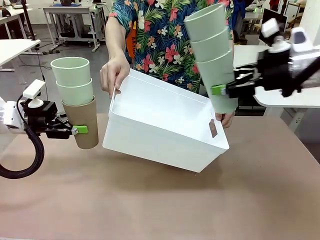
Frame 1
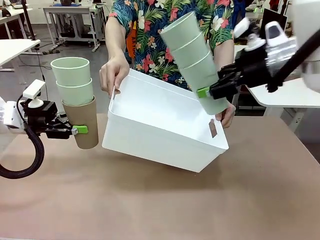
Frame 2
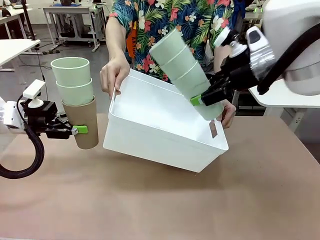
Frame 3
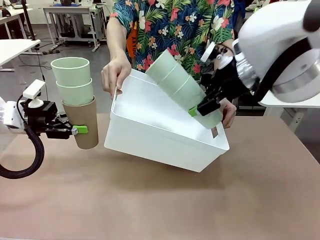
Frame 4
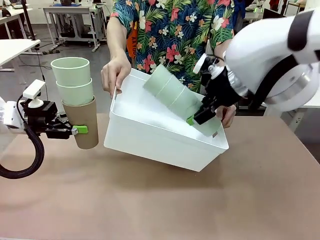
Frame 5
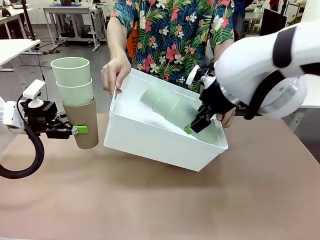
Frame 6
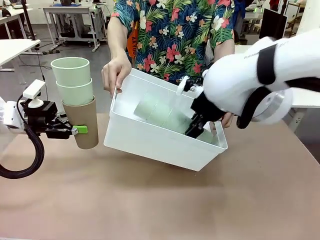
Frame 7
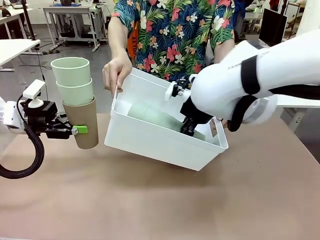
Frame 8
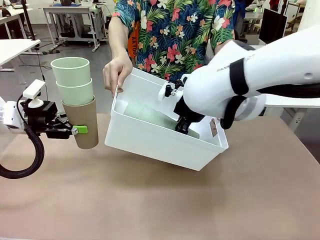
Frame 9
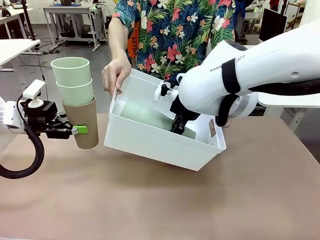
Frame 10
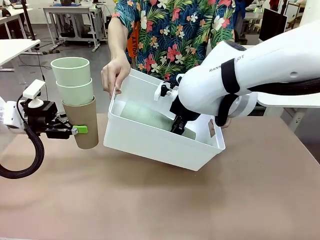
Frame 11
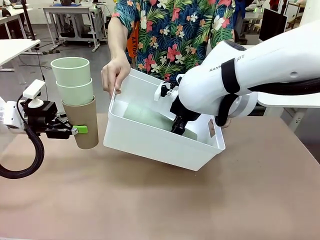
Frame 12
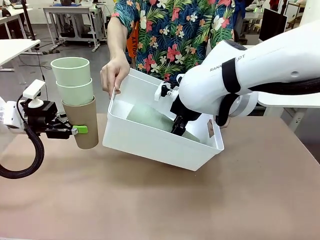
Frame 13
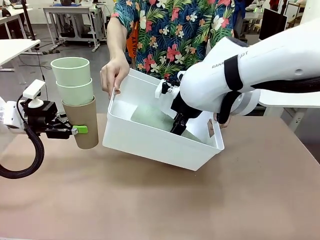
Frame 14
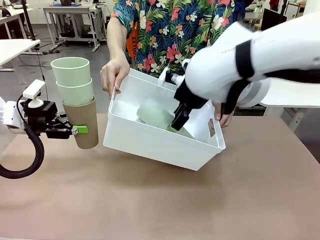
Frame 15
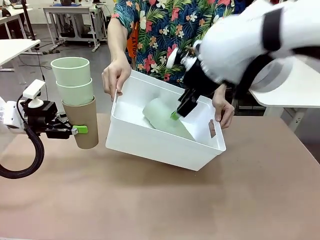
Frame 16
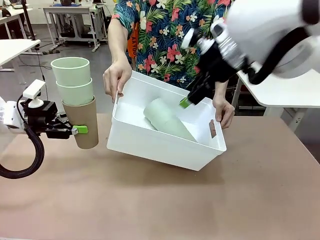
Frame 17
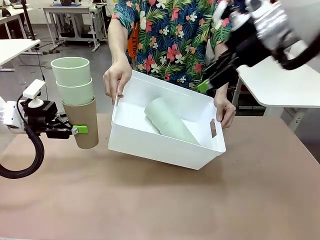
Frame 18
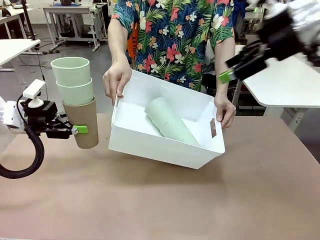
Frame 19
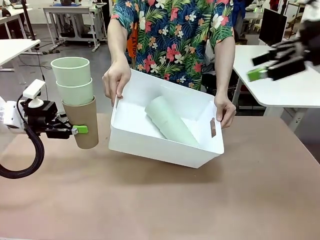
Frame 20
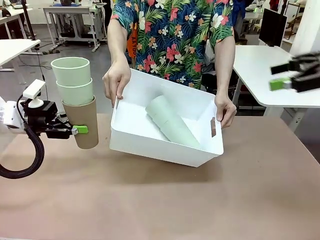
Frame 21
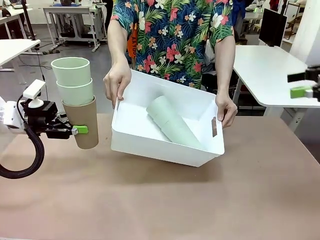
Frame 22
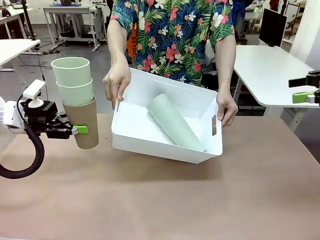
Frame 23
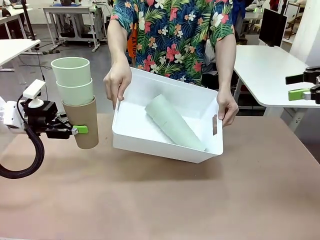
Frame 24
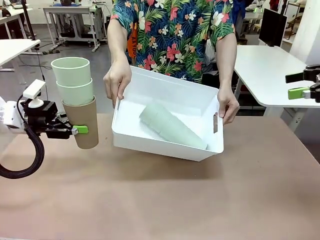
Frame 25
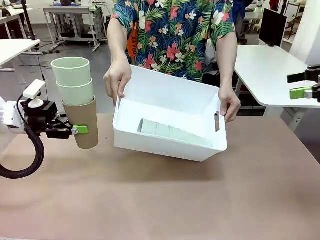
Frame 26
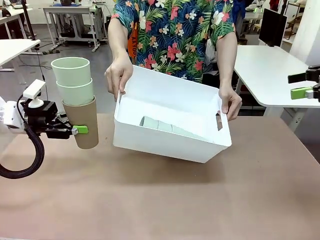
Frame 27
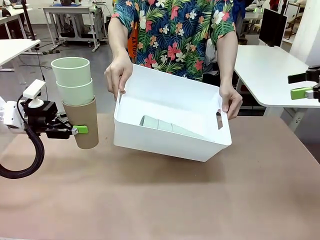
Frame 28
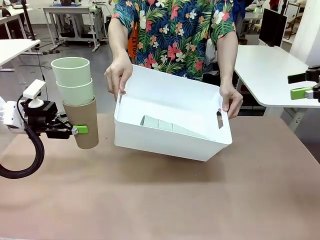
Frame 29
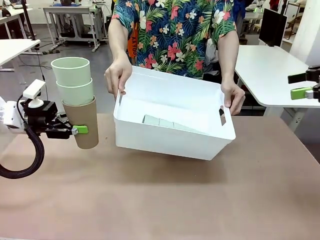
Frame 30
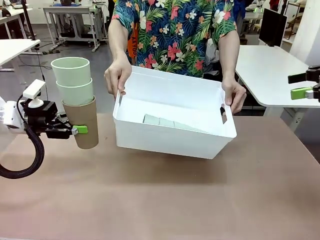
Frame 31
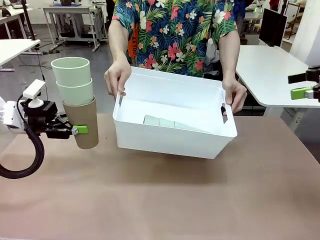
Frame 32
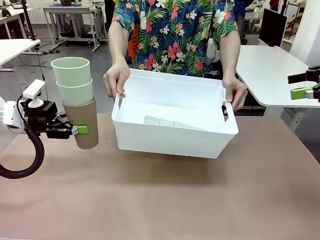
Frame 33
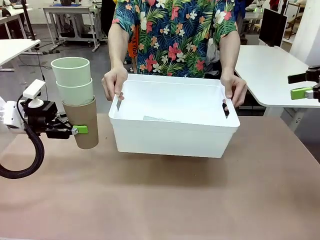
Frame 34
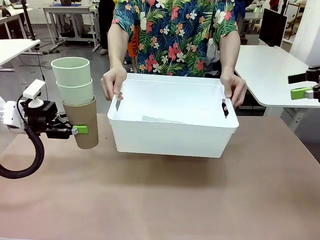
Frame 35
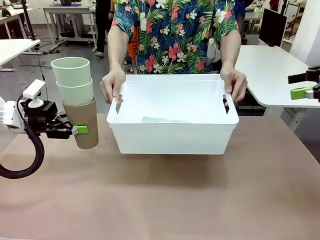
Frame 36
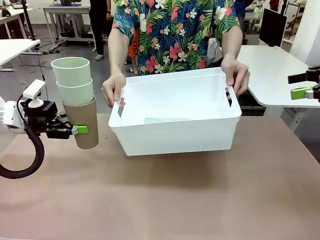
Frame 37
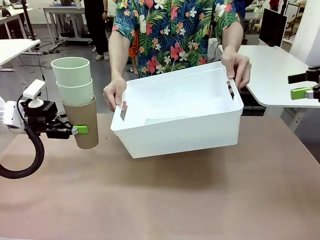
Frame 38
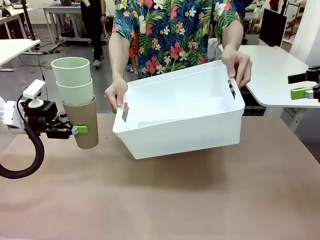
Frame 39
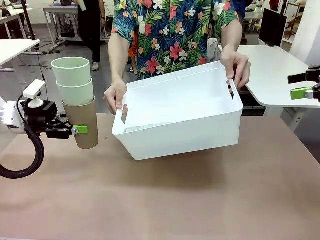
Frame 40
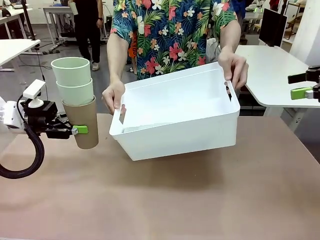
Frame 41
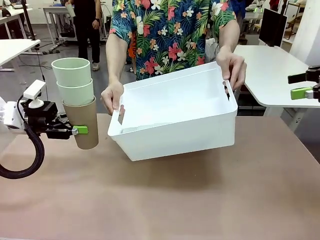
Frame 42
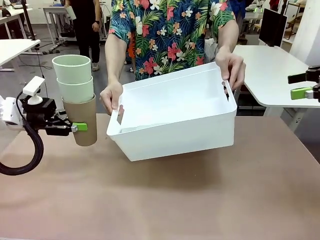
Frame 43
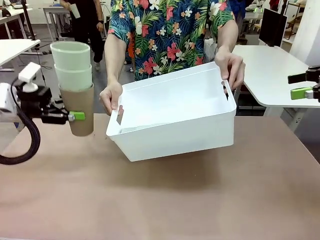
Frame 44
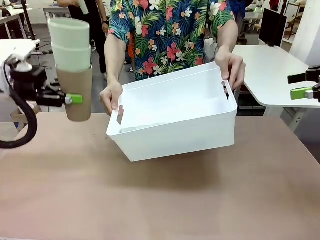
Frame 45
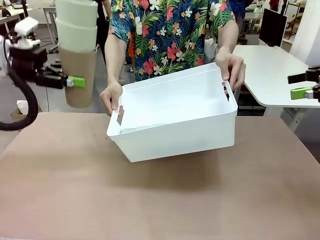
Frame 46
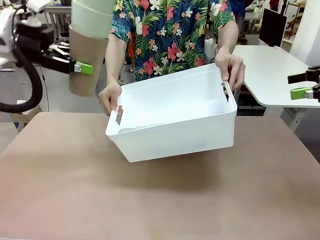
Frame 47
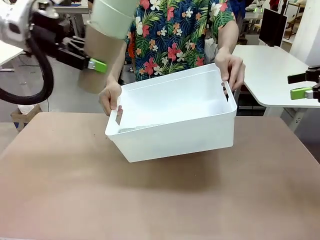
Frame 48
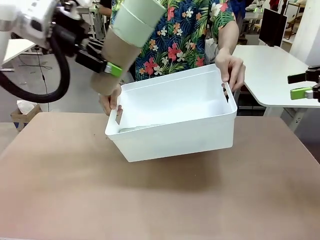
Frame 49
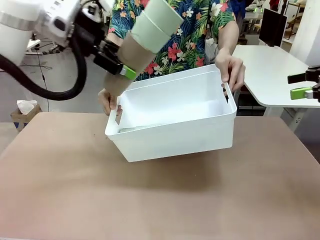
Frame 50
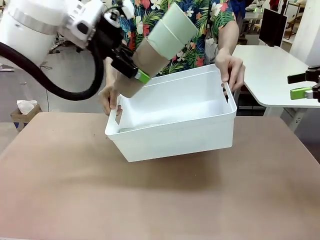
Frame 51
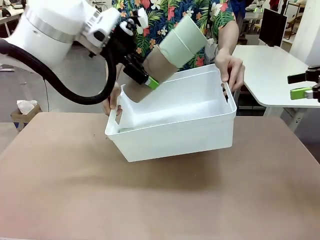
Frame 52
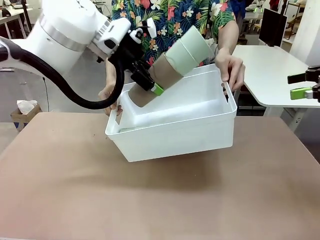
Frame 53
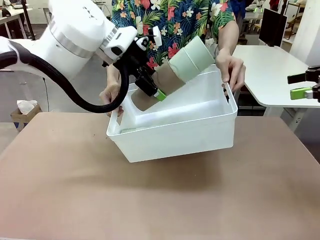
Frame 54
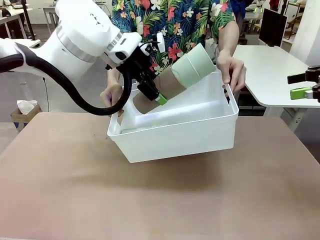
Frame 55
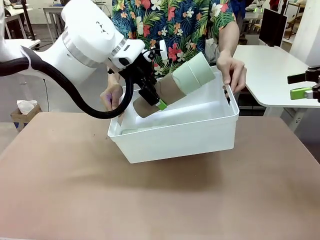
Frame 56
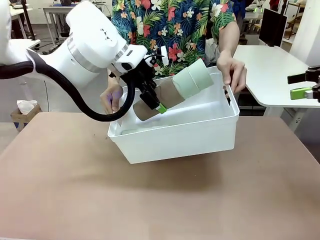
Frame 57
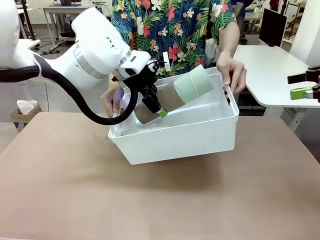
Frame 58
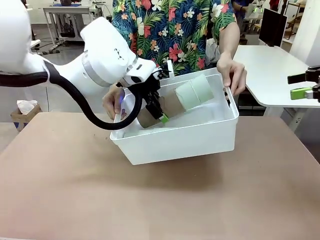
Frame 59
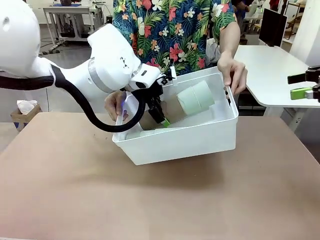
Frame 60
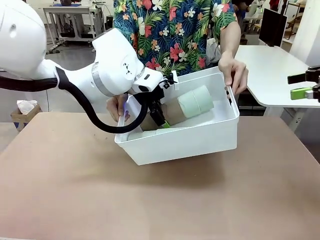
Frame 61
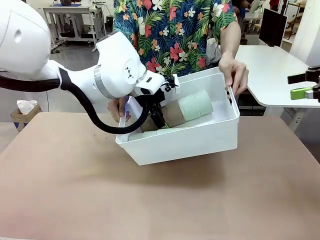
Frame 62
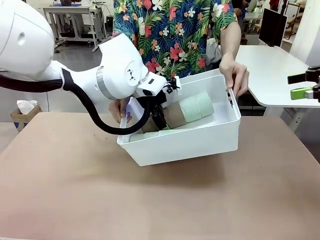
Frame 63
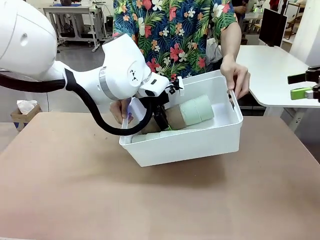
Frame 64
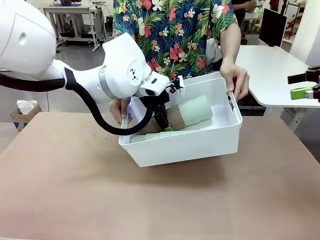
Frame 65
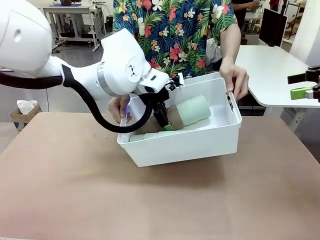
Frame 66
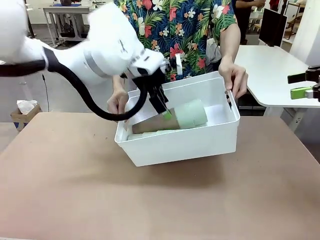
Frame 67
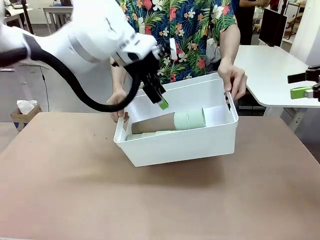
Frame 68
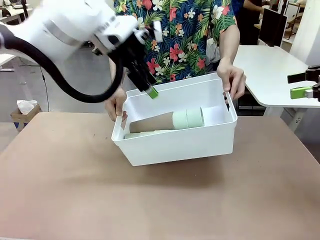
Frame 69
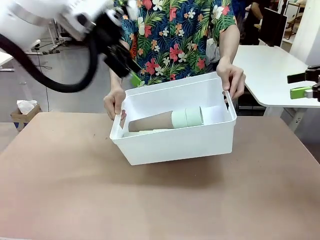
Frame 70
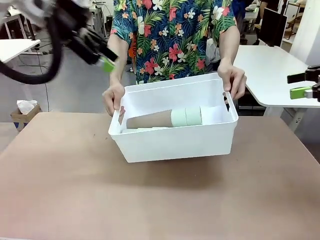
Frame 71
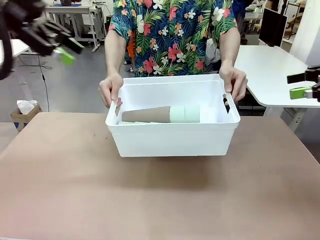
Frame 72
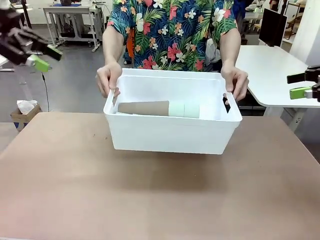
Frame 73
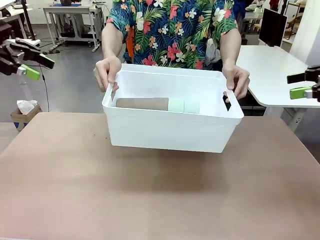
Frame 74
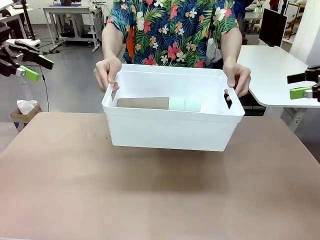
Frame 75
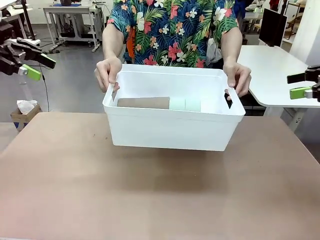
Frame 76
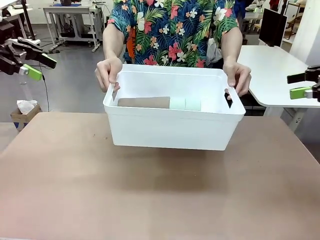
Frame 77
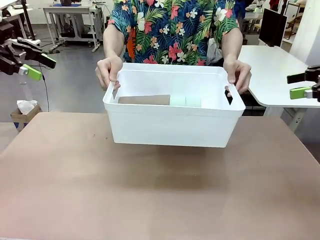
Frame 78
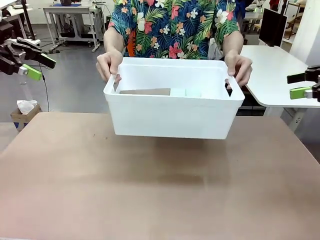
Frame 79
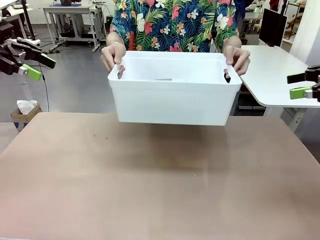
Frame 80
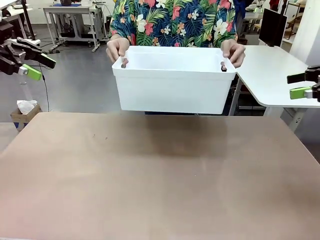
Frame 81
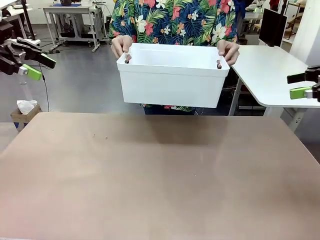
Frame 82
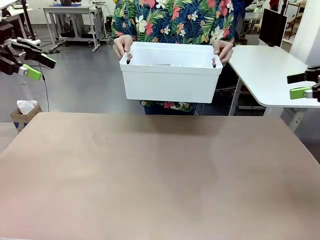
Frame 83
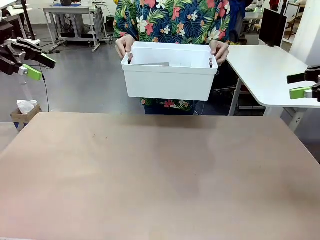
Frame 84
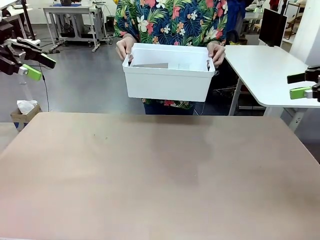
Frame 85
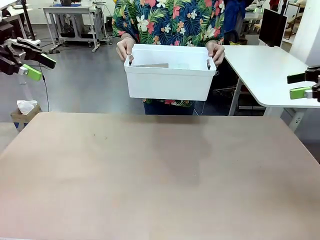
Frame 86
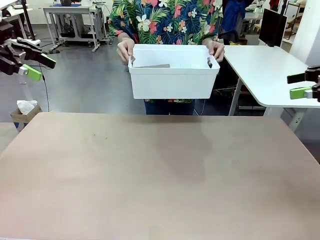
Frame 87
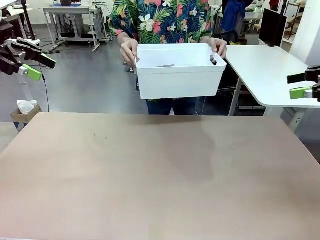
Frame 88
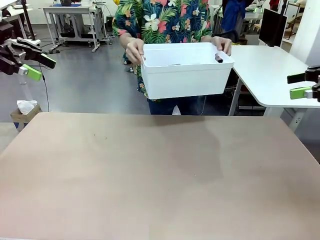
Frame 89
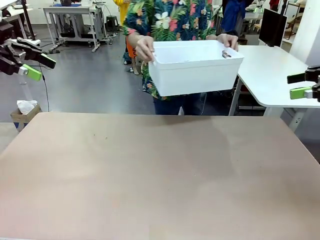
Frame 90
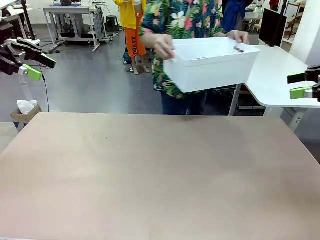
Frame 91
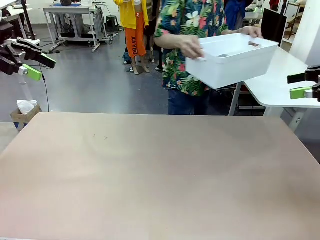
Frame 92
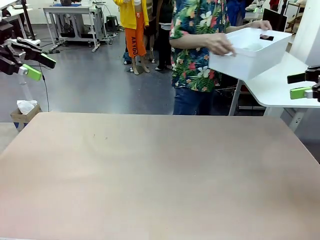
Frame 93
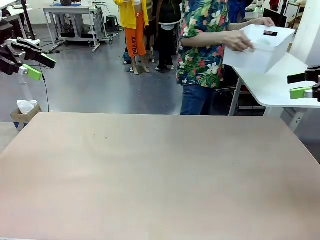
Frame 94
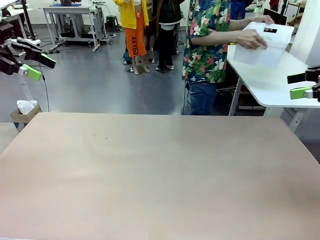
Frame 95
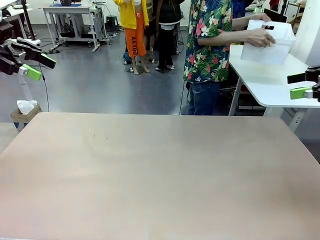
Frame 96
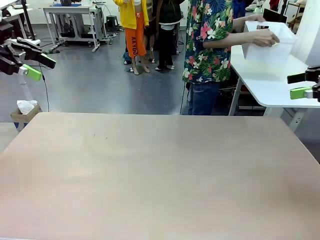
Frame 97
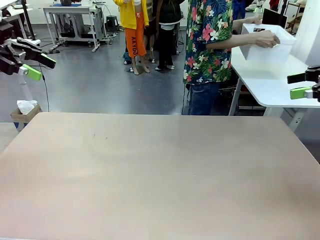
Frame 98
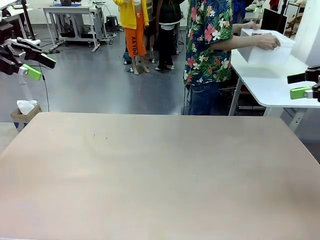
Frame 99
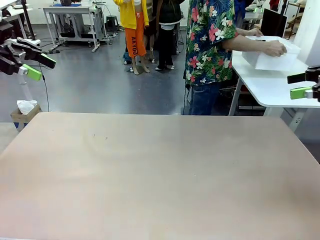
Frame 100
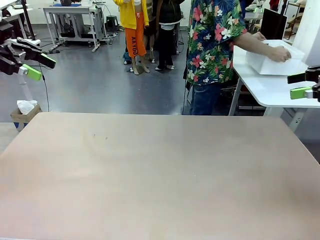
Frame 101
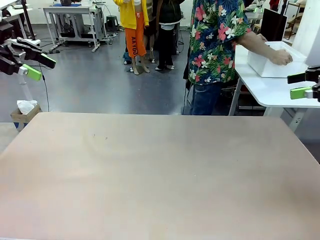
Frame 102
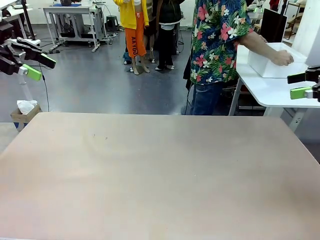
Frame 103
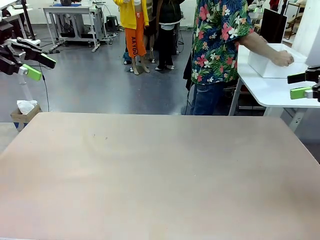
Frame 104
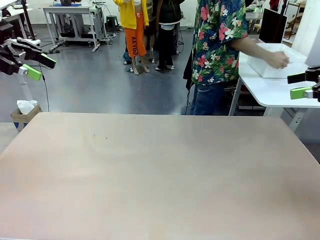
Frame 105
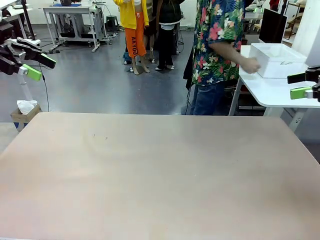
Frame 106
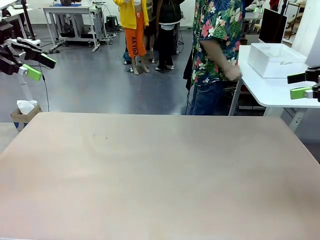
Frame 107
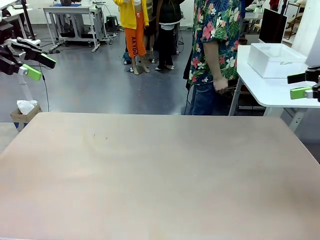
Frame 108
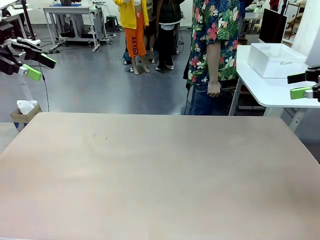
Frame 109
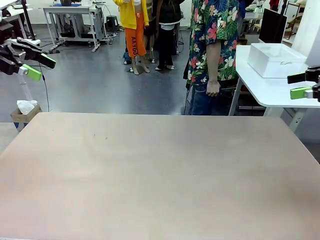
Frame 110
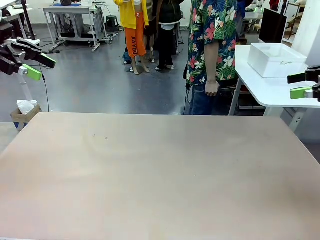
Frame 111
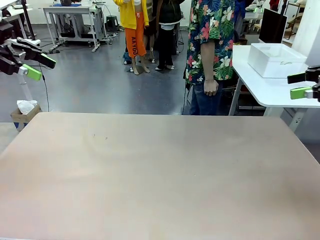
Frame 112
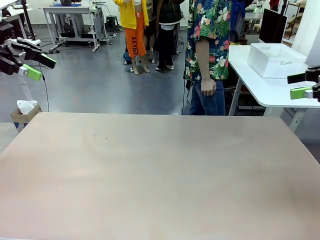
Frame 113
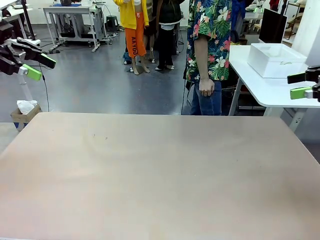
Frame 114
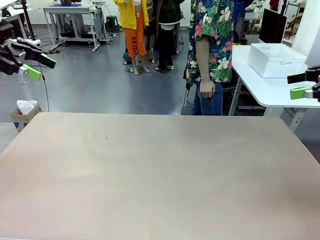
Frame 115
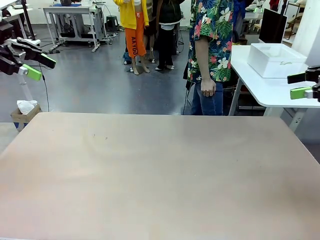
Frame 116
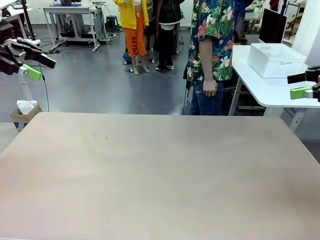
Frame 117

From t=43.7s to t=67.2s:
Task: Stack the cups and store them in the basket.
Robot: Place the stack of Reusable plastic cups into the Pantry Basket.
Person: Place the basket containing the cups in the middle of the Human Table.
